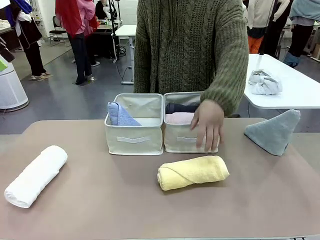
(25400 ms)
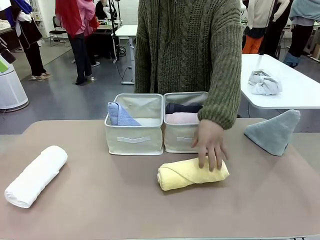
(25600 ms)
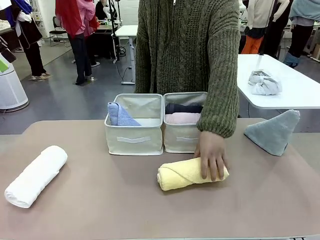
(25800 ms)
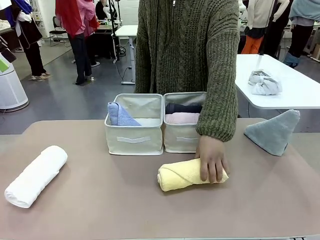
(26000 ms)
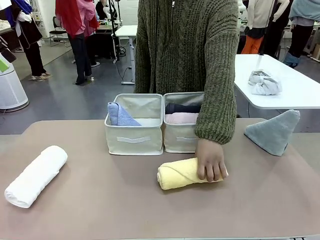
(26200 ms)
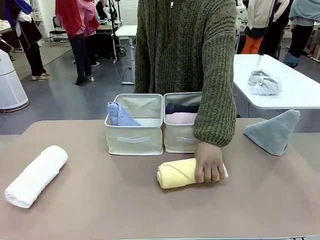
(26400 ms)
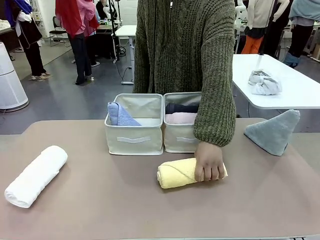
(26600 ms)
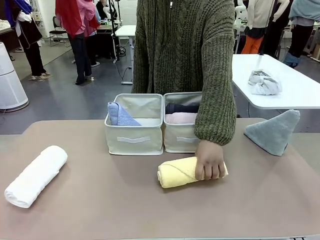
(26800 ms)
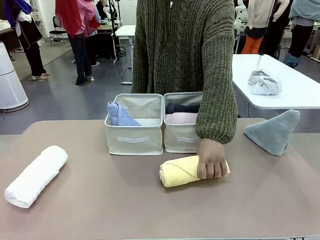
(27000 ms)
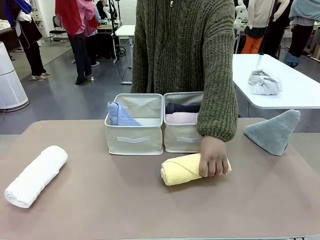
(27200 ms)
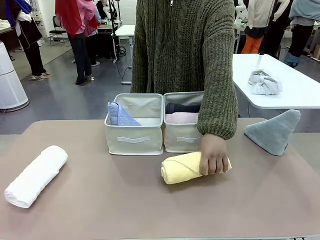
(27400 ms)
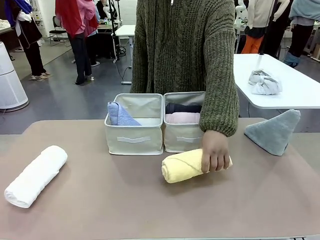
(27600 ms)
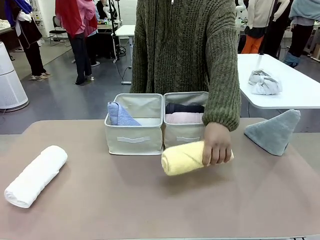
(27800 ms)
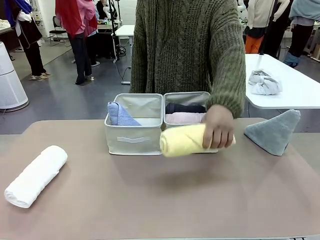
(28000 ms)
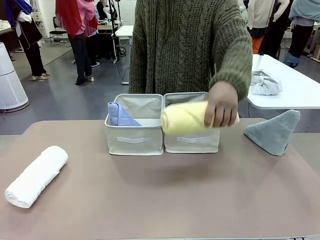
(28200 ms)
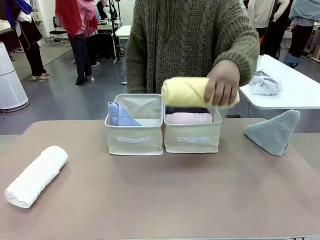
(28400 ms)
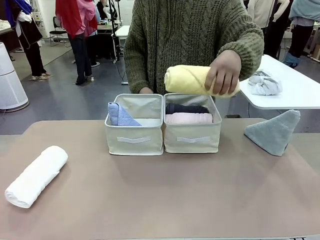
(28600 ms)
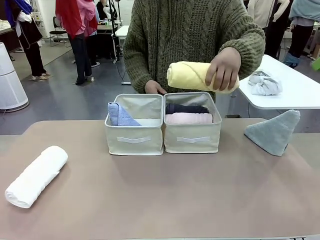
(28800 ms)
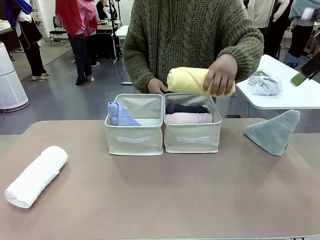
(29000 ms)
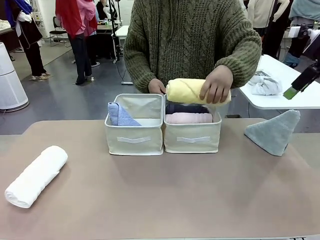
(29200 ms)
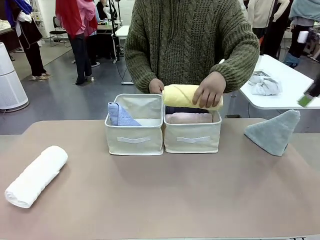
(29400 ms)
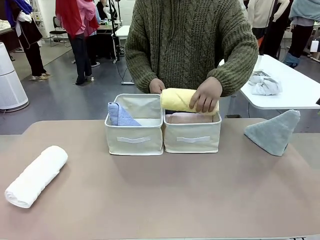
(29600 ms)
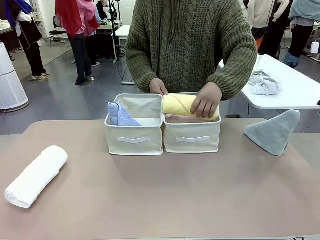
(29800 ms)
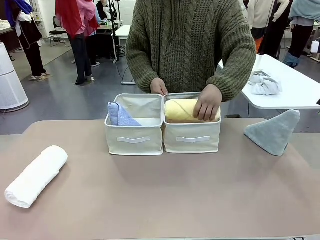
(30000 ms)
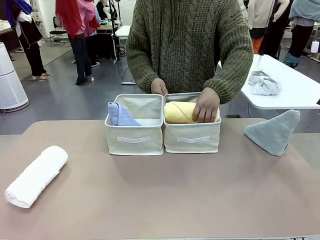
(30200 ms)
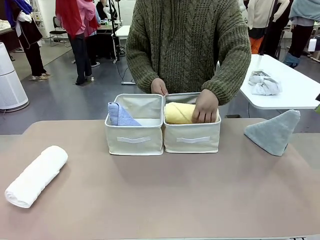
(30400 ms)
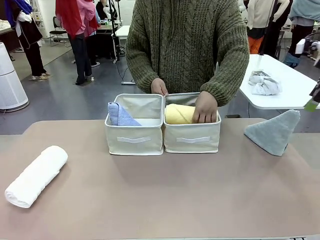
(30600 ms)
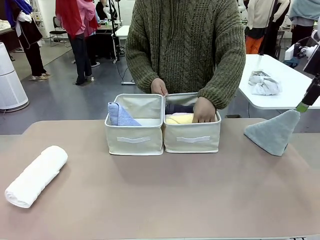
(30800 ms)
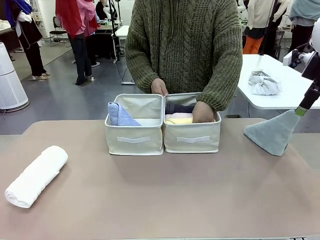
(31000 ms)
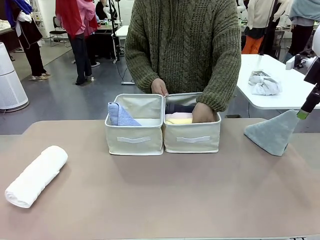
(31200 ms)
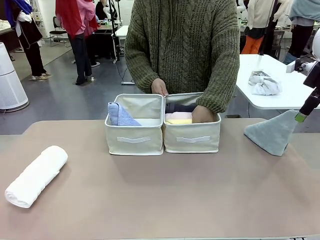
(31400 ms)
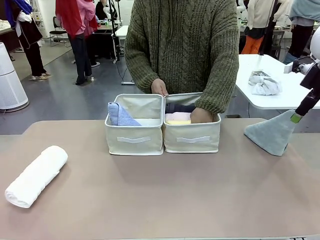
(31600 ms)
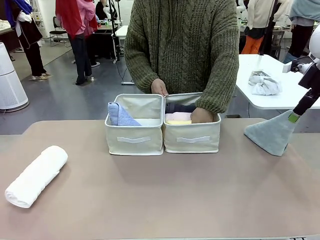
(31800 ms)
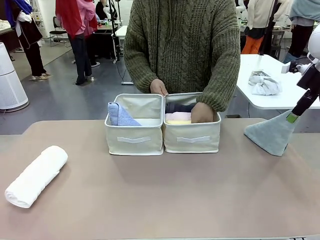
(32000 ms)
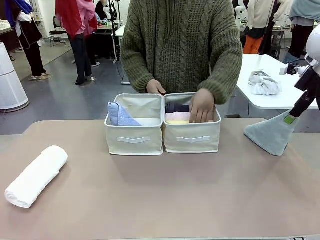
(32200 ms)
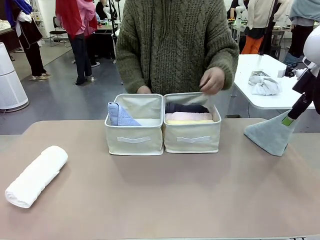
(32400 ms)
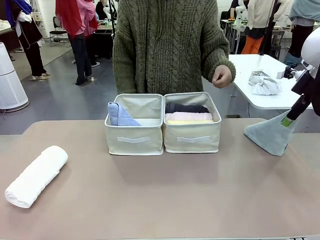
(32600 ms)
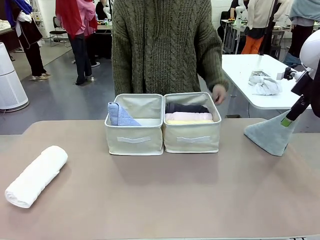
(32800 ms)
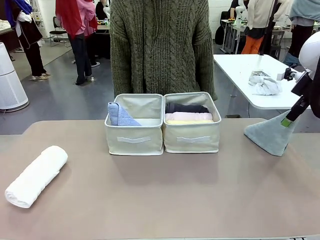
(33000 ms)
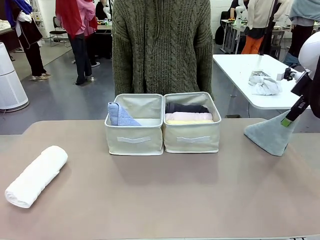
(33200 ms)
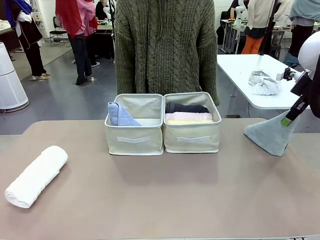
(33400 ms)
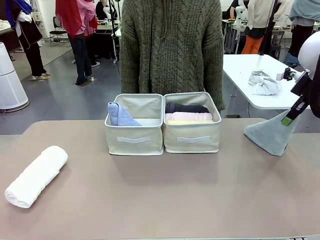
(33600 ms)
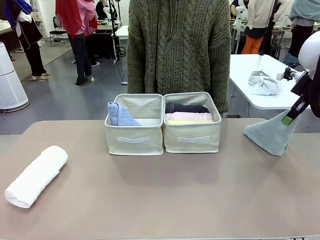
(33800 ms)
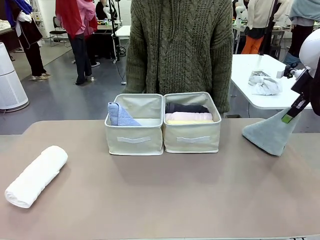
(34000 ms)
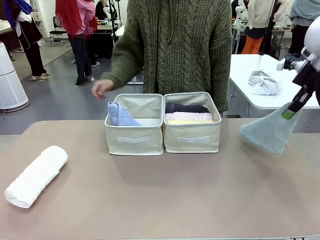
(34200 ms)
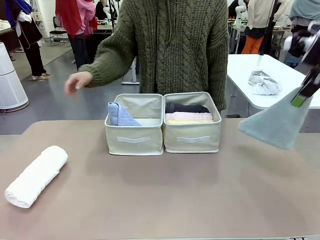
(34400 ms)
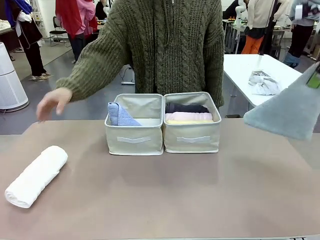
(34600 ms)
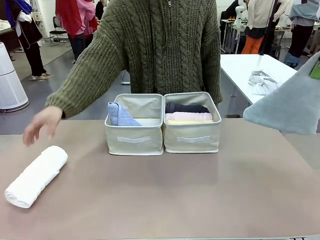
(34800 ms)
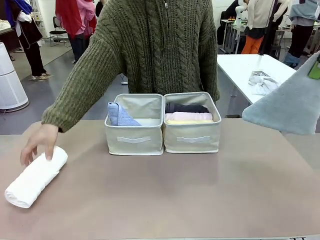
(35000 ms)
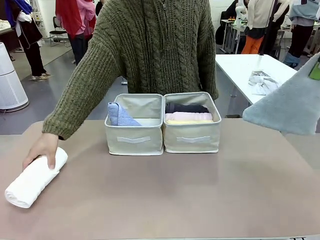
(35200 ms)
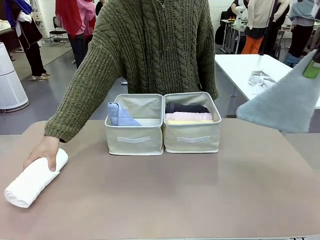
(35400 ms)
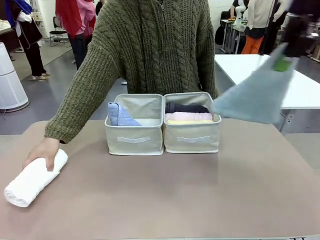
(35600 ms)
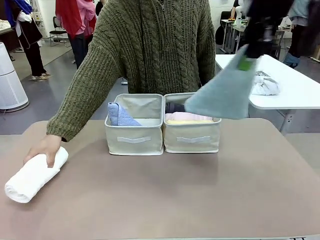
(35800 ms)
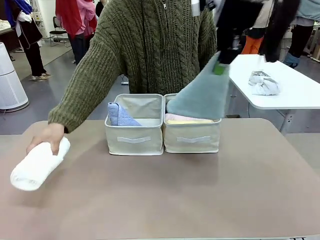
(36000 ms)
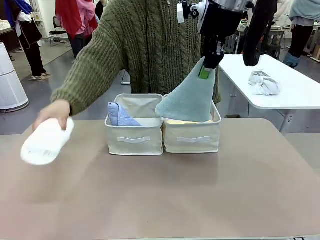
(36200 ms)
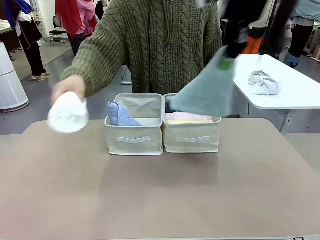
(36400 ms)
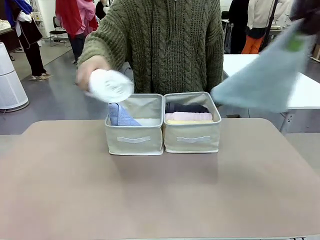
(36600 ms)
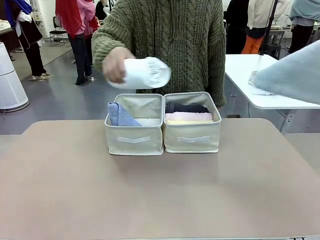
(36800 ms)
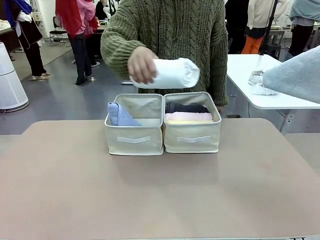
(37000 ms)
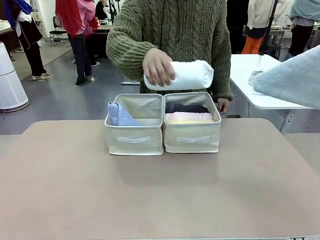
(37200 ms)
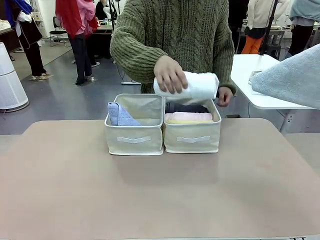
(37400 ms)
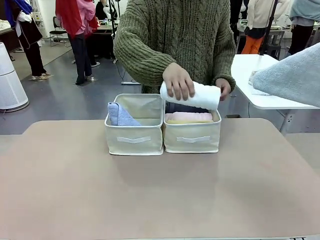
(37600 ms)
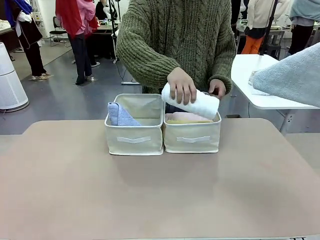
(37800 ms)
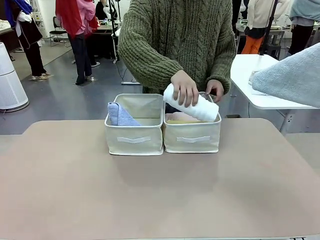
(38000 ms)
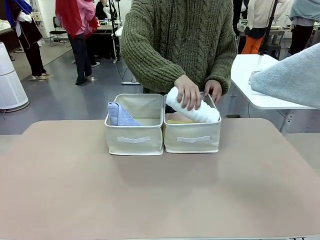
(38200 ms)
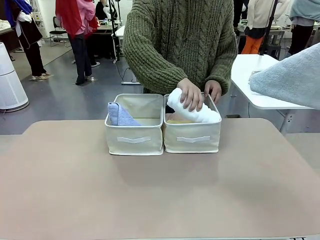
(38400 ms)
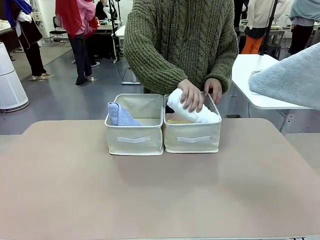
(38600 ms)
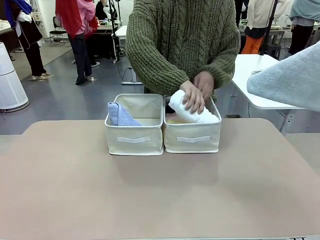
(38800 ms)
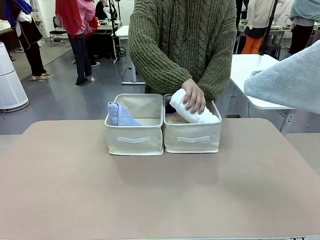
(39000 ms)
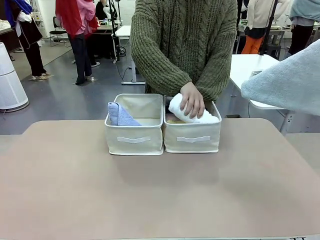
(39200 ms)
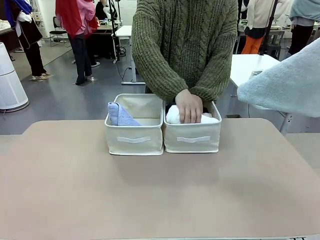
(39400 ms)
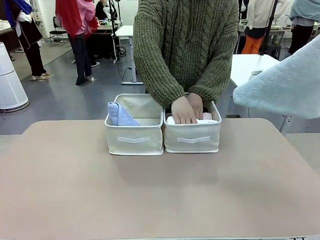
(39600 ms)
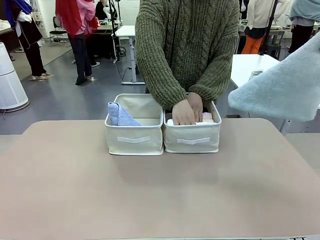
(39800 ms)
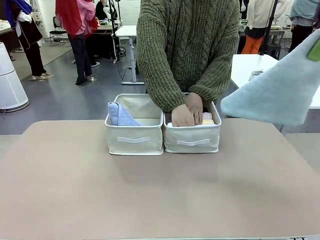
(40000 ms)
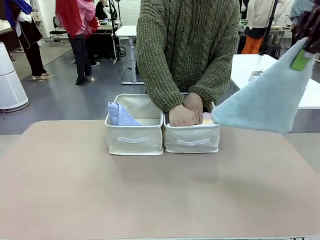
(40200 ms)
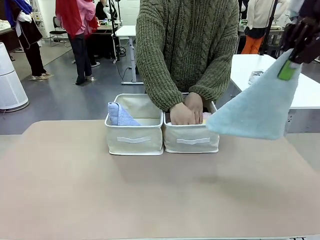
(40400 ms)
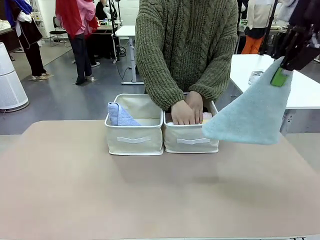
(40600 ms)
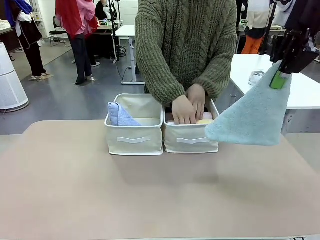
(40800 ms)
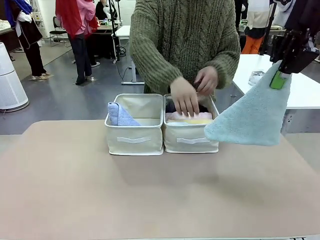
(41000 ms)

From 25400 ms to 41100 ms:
Task: Sort the towels based on their folding style.
Robot: Pick up another triangle-folded towel from the table and place it in the left Fabric basket.

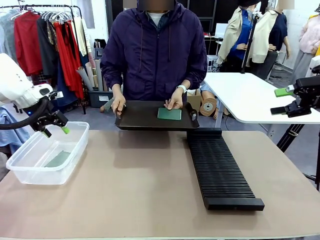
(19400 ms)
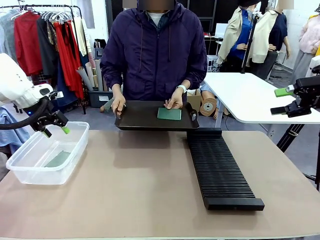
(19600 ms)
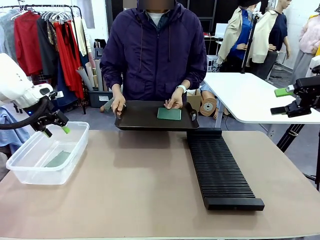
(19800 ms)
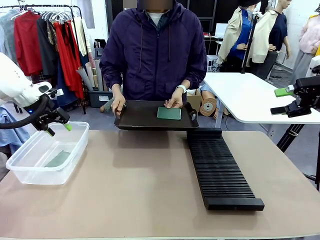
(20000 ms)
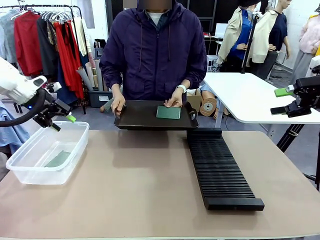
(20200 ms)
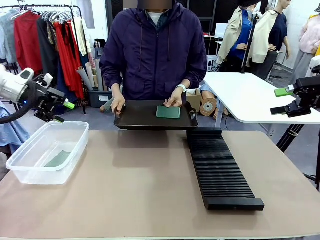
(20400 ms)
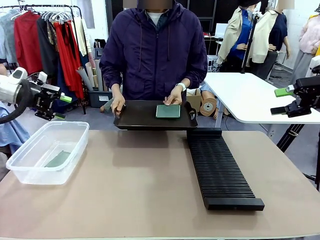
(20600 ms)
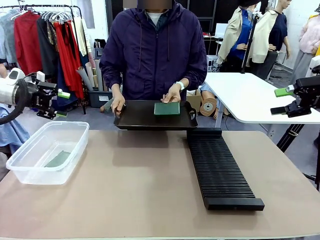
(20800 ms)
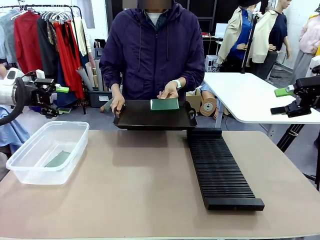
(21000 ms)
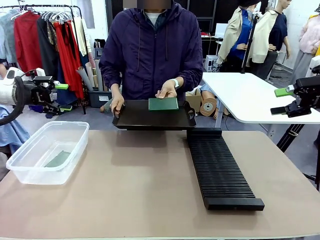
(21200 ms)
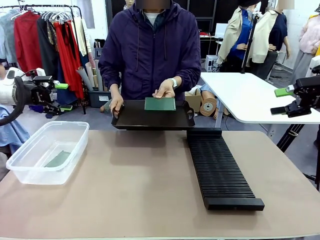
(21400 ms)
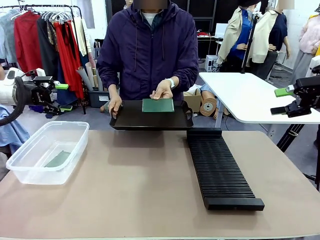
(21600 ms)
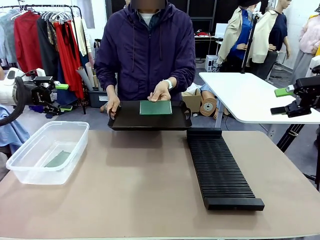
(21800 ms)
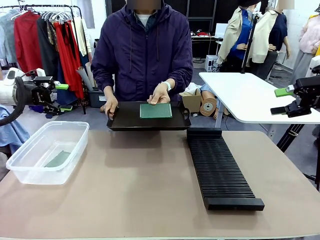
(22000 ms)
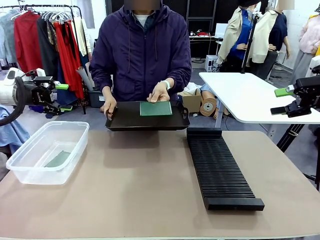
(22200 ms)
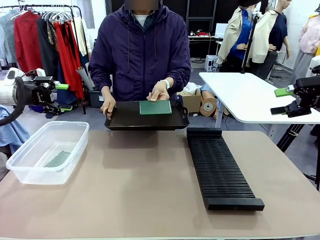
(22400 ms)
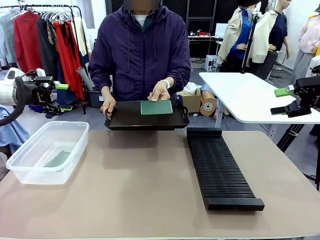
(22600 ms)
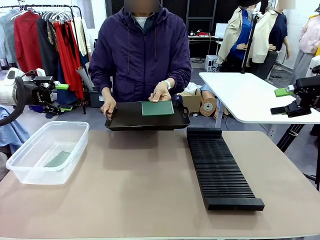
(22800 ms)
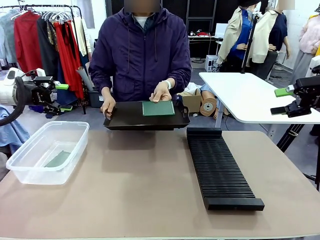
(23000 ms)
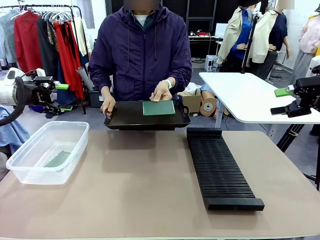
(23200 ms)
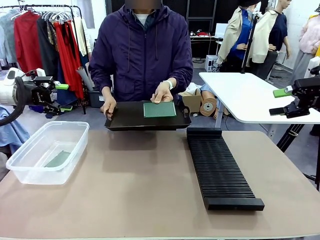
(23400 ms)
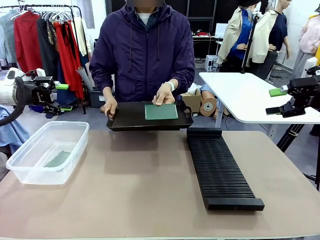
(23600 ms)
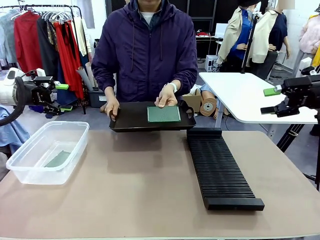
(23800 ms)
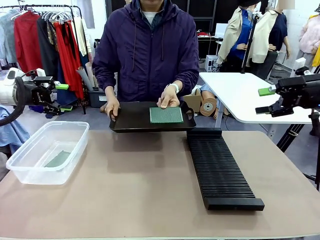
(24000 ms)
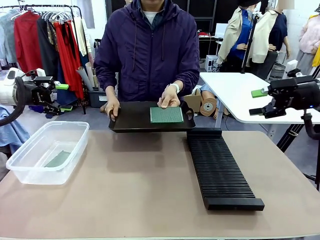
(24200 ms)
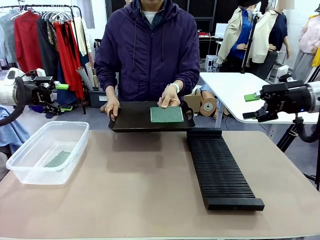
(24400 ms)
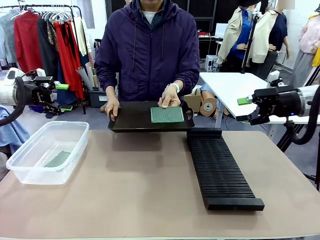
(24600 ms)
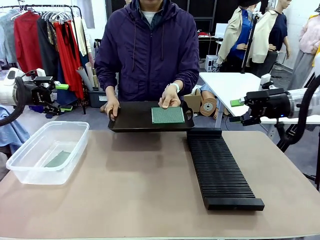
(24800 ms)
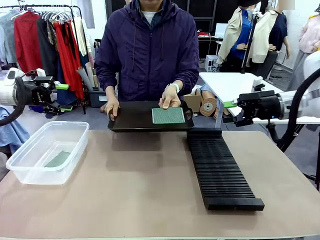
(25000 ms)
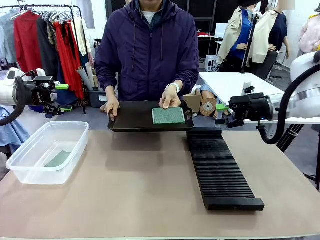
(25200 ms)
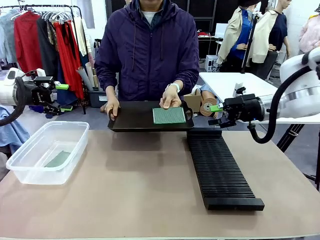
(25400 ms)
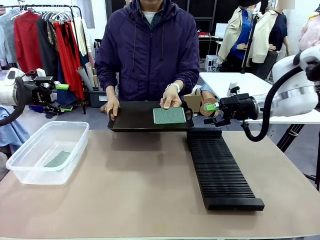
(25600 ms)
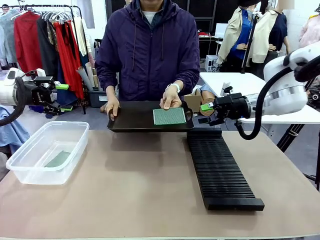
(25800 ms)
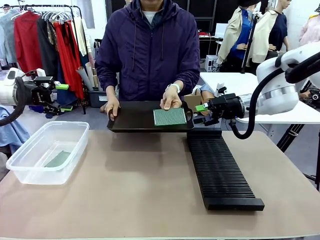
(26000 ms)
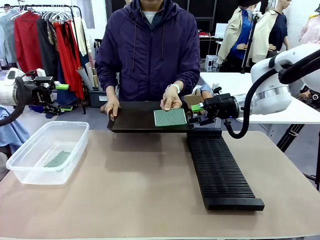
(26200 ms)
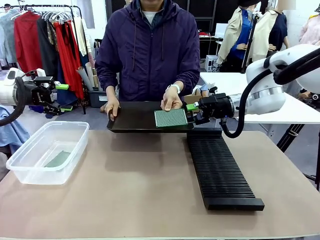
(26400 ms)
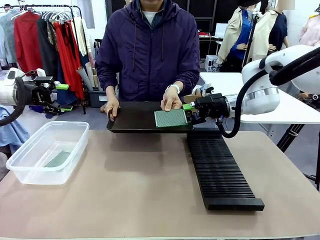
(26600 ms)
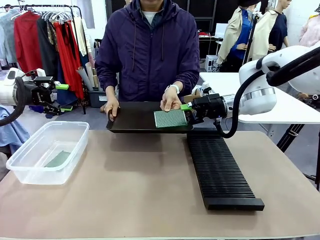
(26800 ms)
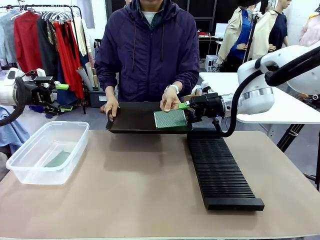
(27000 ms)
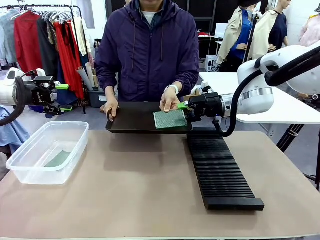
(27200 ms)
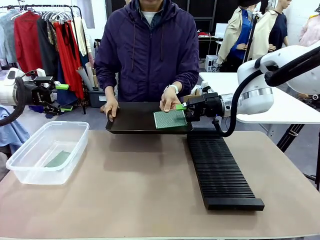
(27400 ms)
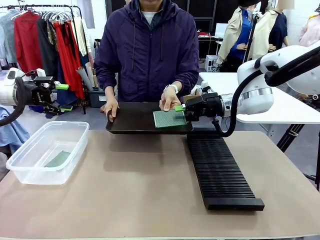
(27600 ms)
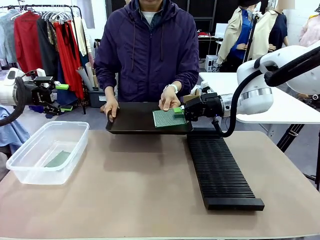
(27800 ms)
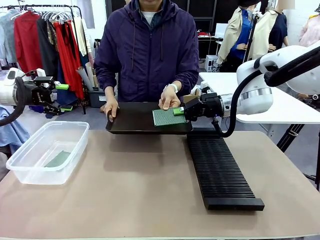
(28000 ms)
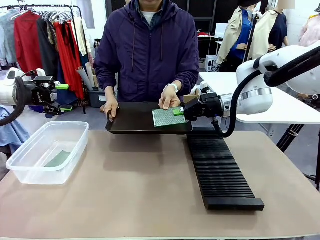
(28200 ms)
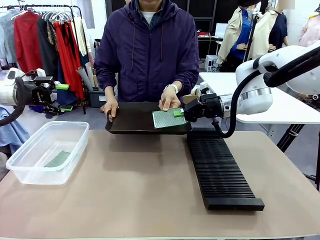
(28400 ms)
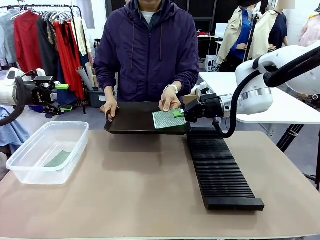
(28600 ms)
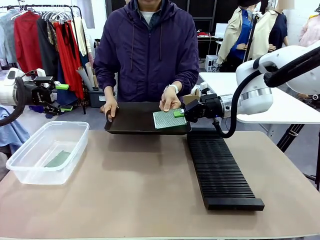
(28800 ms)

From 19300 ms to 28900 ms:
Task: Sort PCBs into racks and boxes based on the side picked up.
Robot: Pick up the Blank PCB handed by the Human.
